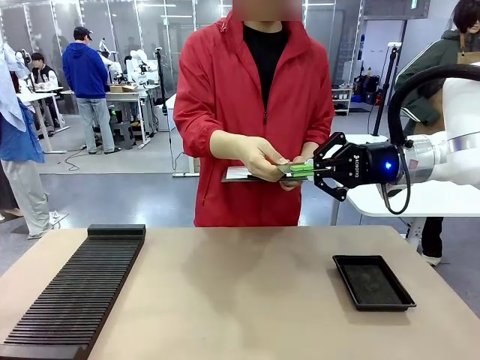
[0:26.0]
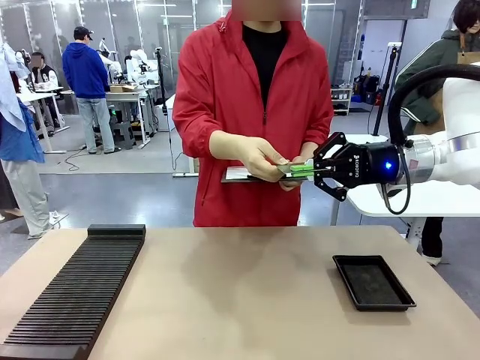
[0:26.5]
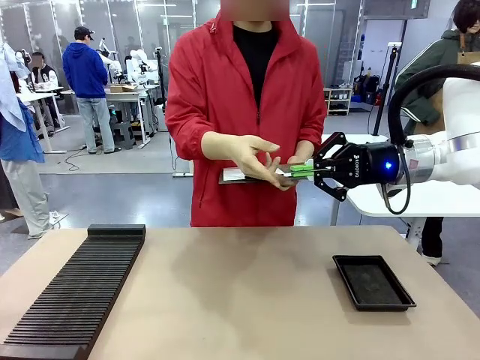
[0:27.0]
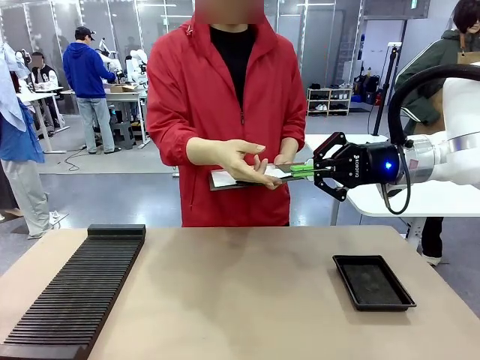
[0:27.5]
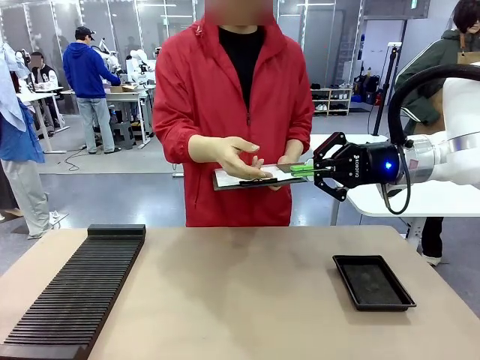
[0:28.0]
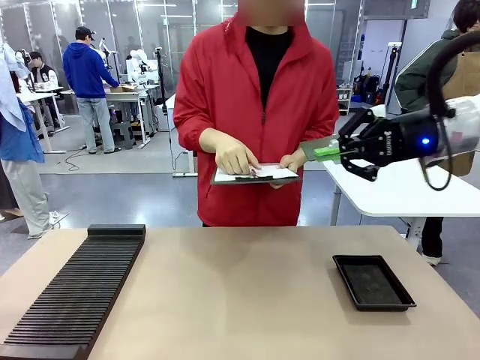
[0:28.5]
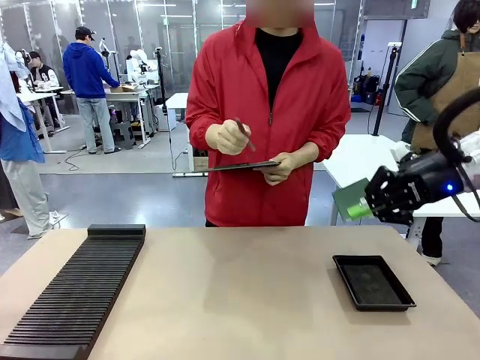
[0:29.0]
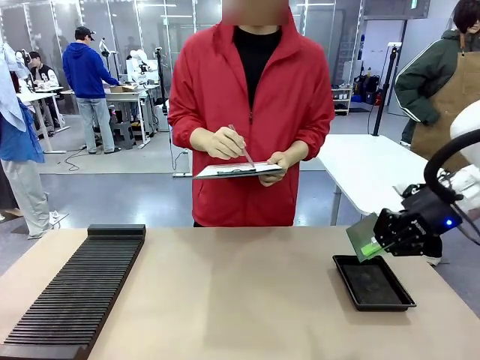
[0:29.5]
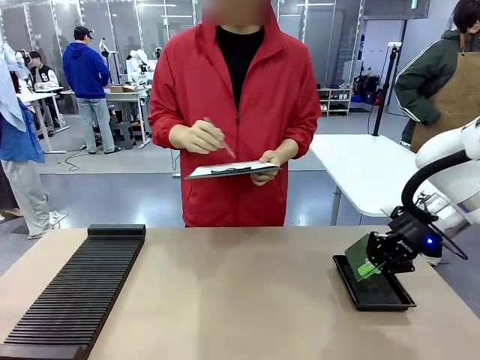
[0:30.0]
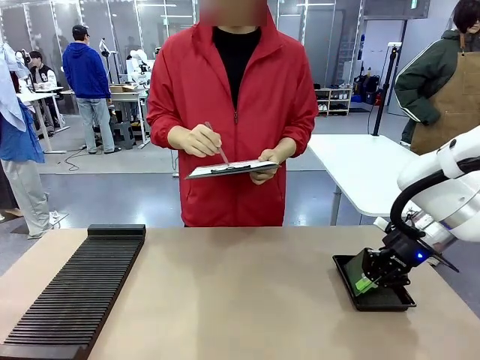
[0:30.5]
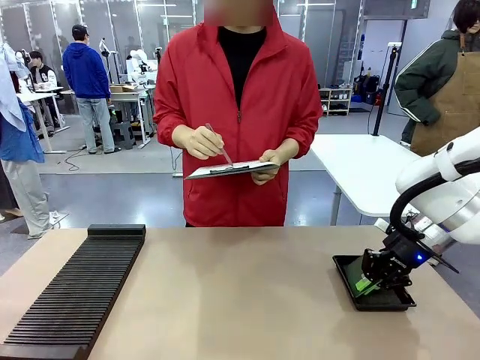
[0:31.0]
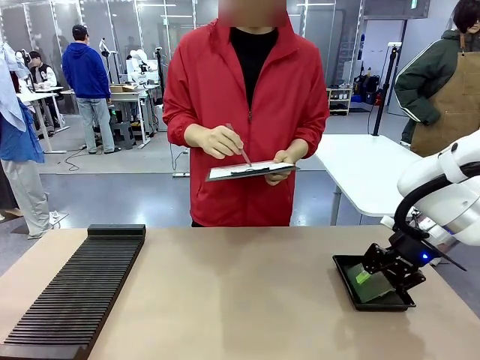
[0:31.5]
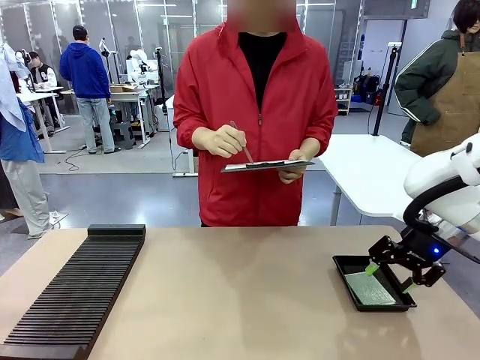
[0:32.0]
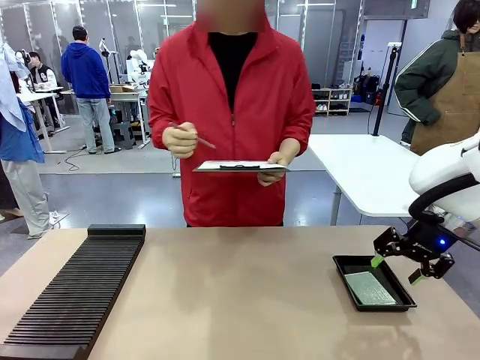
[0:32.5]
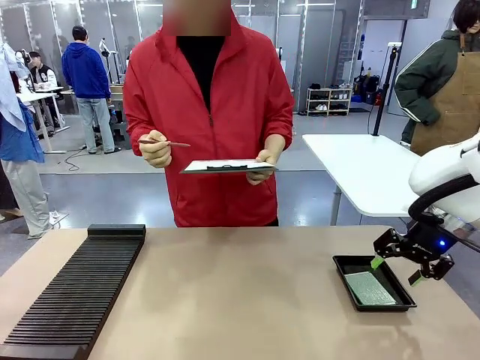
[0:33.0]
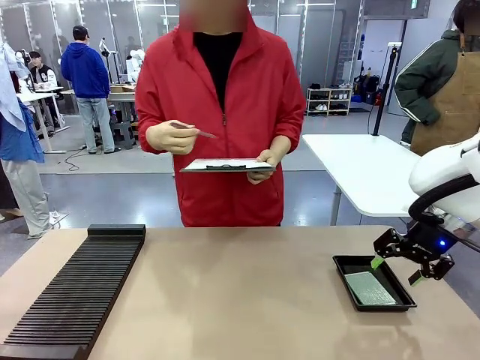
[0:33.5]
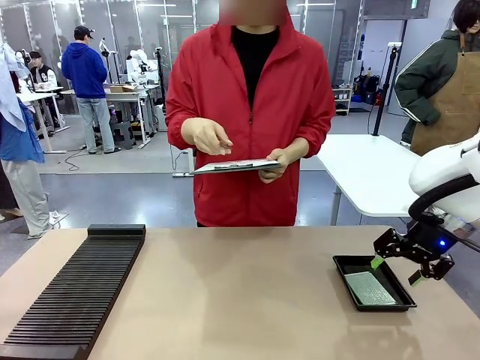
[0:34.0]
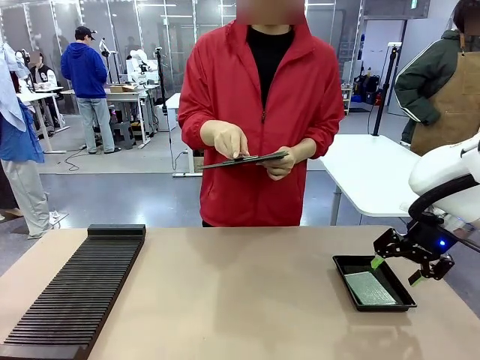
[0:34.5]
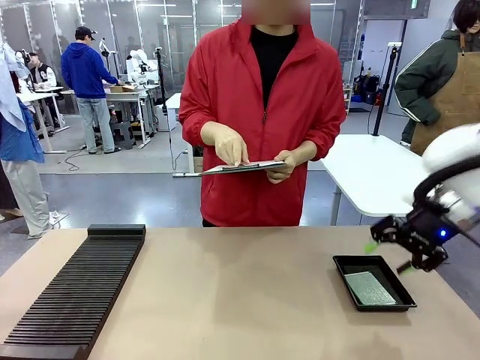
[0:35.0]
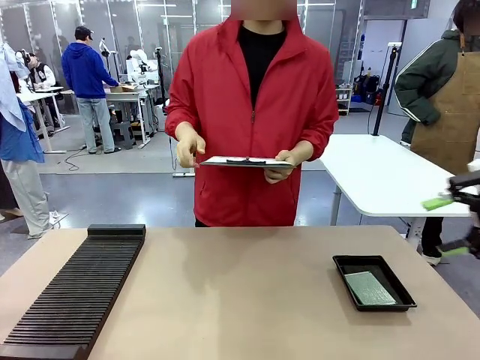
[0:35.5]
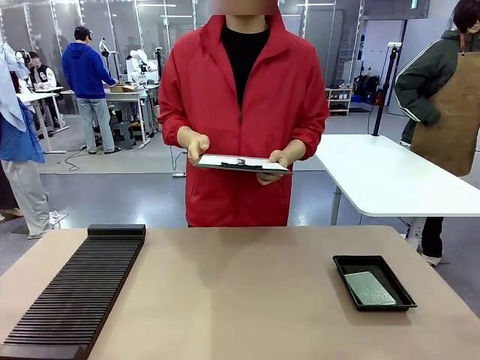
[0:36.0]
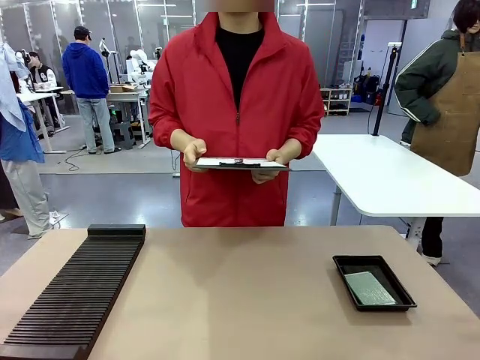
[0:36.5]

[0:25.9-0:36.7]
Task: Inspect the PCB.
Robot: Place the Blank PCB in the ESD tray.
Person: Record the PCB status on the paper.

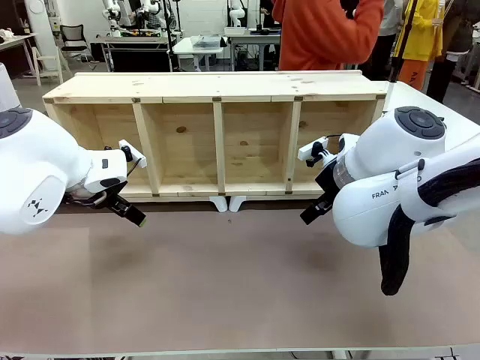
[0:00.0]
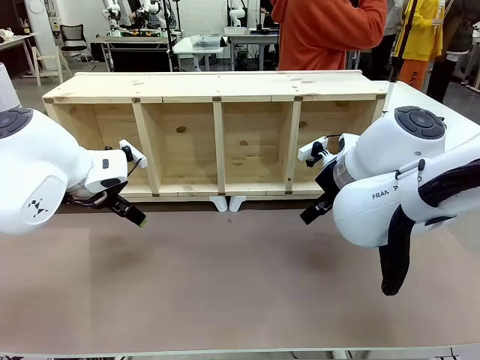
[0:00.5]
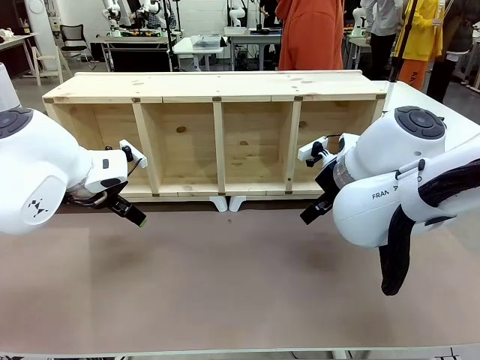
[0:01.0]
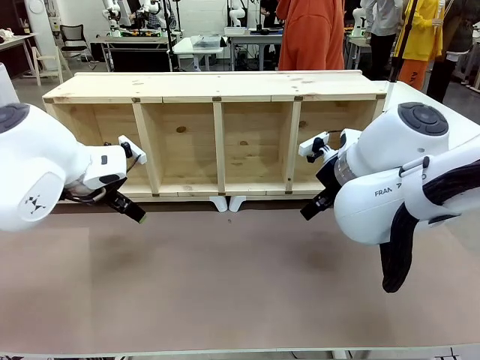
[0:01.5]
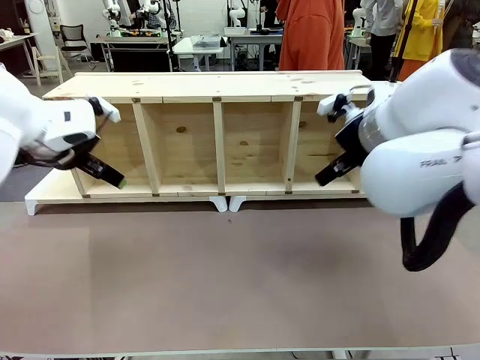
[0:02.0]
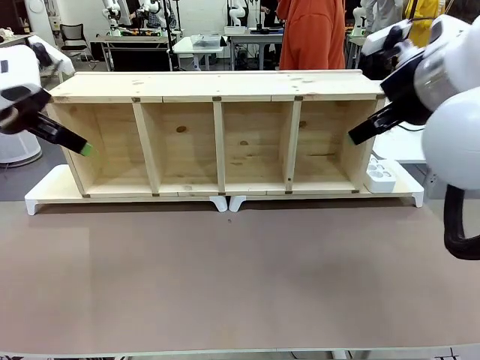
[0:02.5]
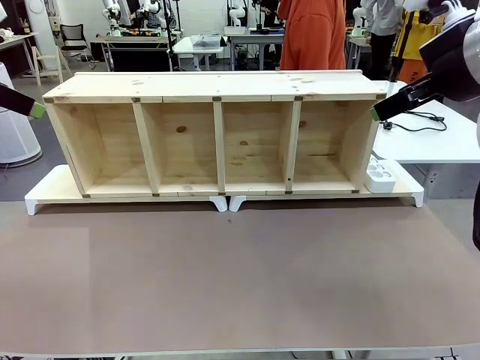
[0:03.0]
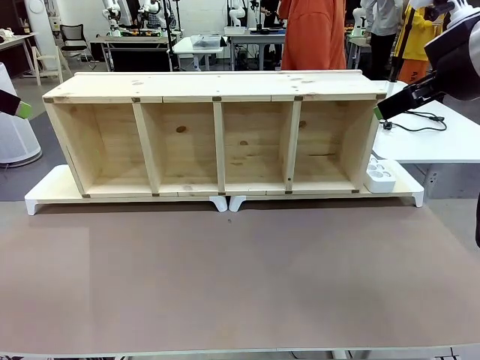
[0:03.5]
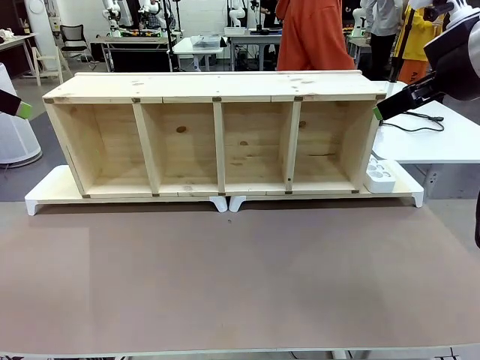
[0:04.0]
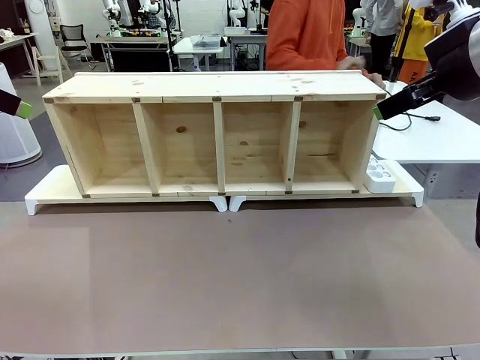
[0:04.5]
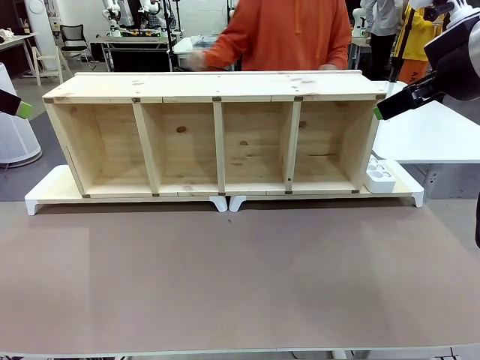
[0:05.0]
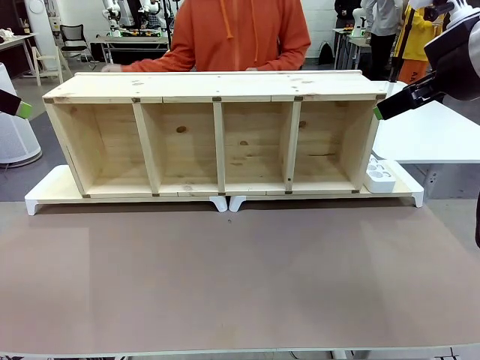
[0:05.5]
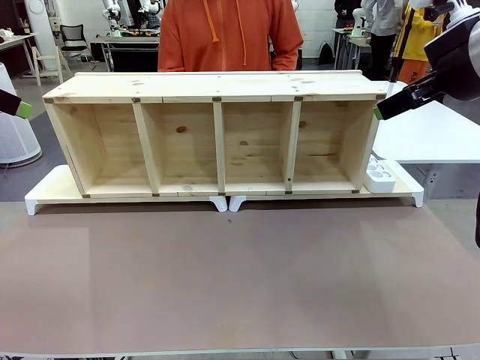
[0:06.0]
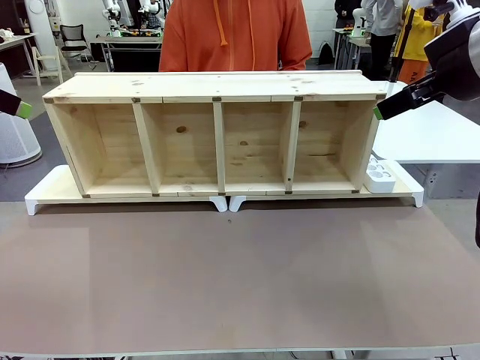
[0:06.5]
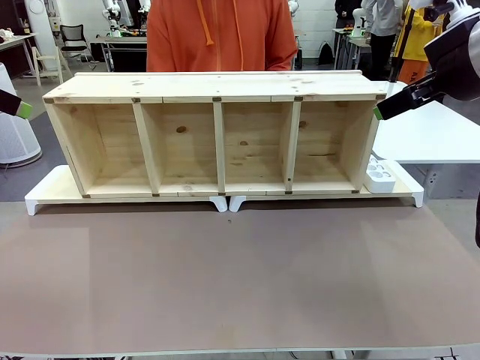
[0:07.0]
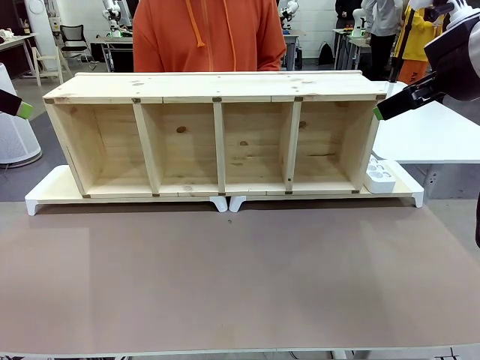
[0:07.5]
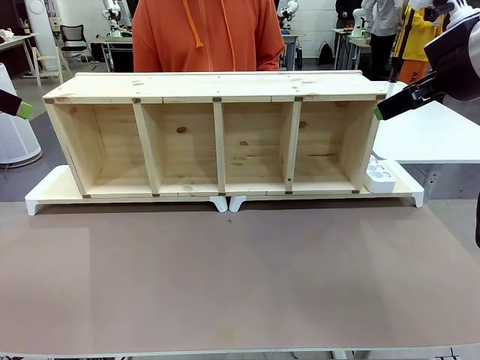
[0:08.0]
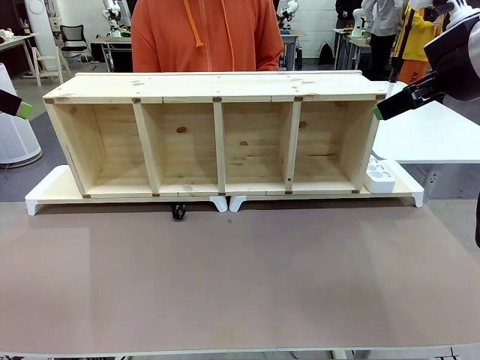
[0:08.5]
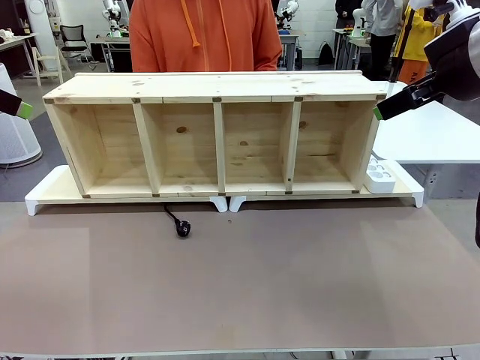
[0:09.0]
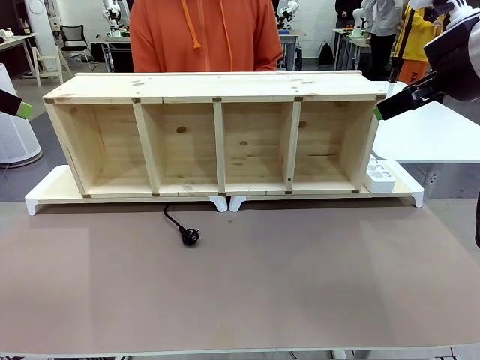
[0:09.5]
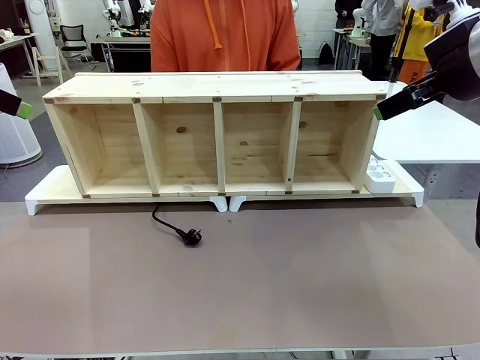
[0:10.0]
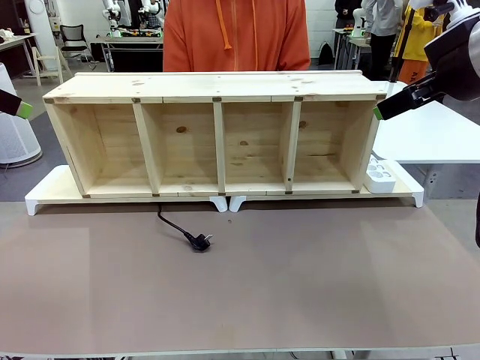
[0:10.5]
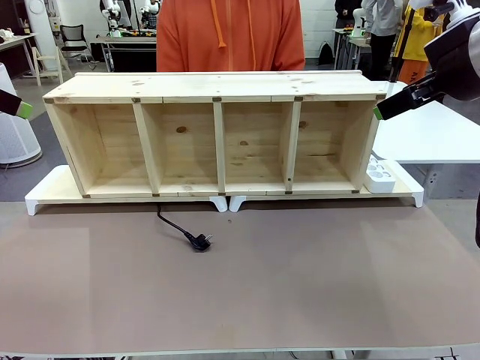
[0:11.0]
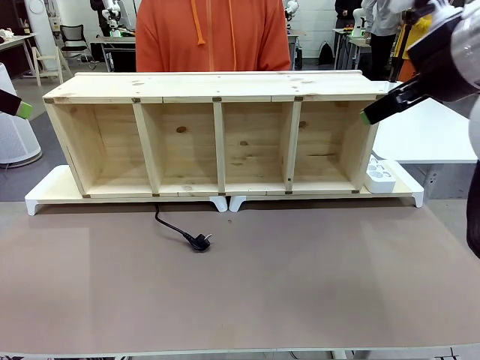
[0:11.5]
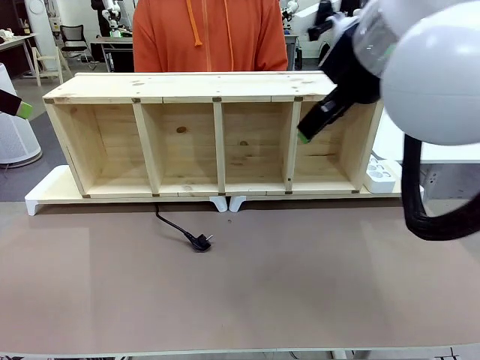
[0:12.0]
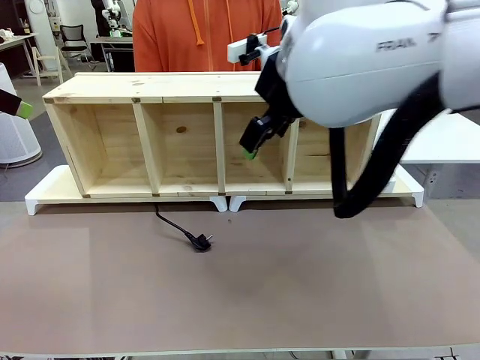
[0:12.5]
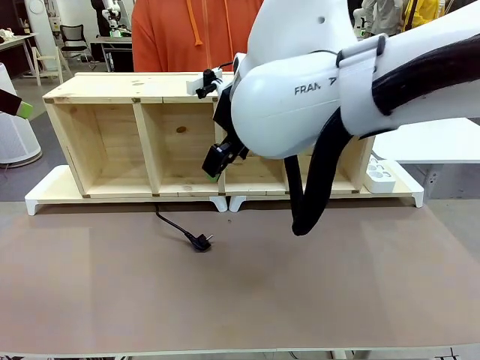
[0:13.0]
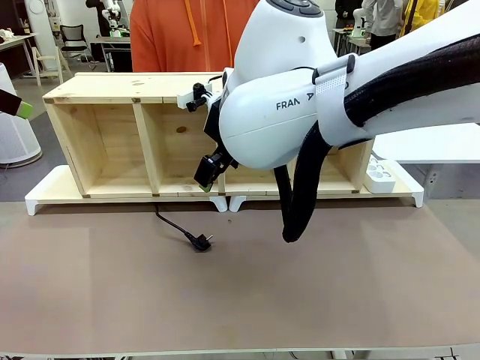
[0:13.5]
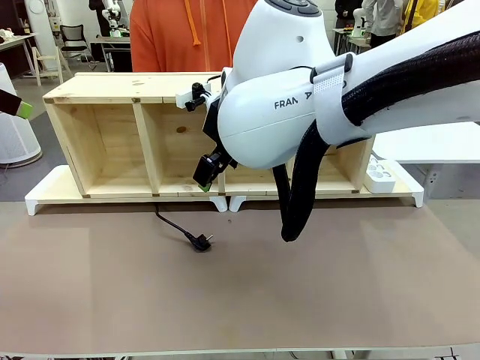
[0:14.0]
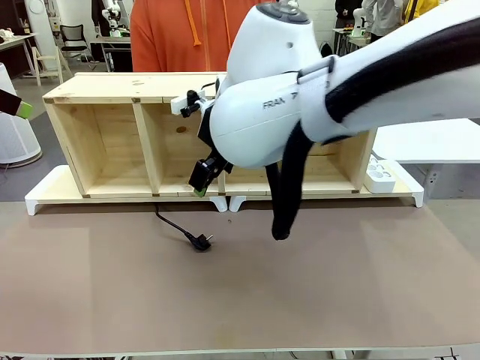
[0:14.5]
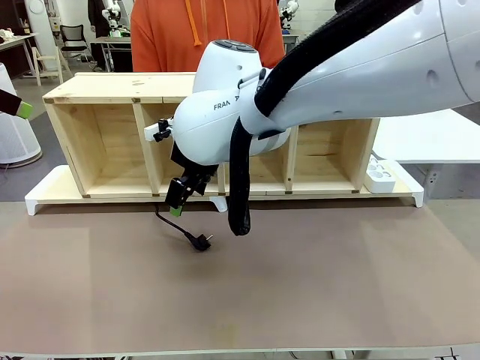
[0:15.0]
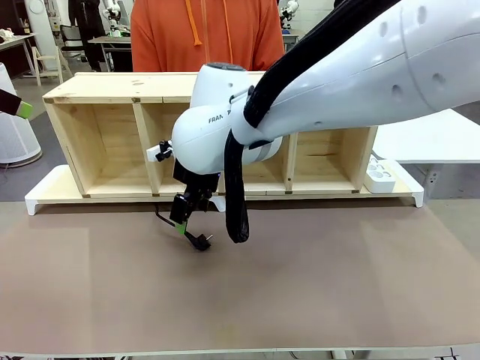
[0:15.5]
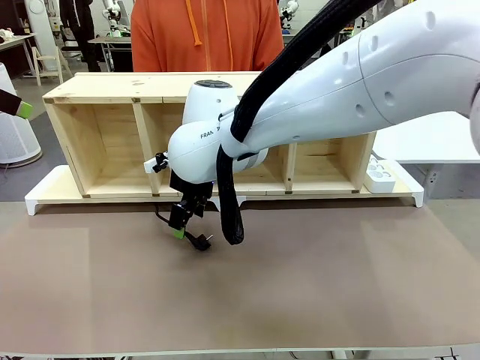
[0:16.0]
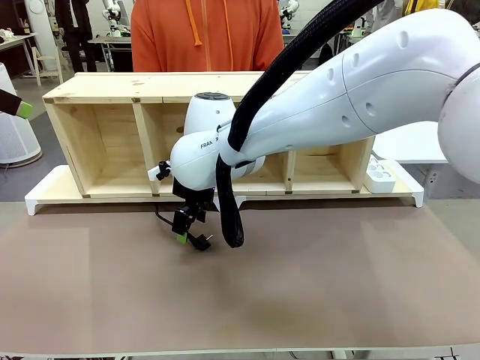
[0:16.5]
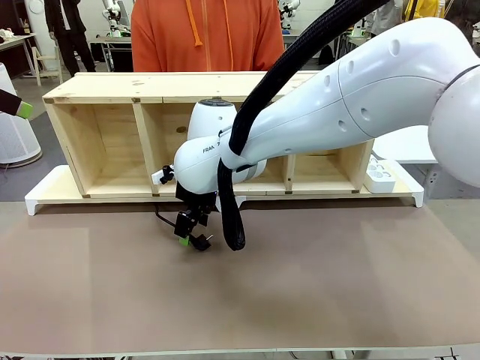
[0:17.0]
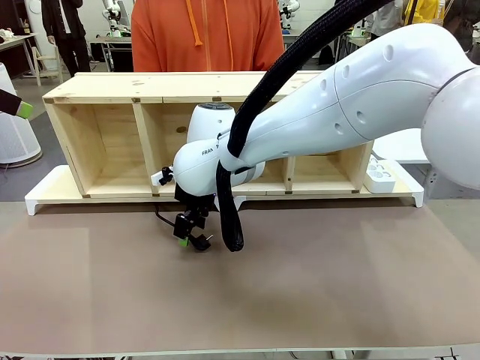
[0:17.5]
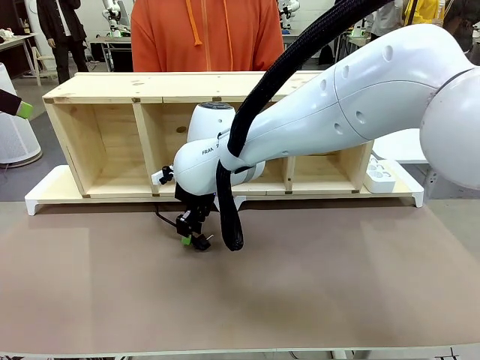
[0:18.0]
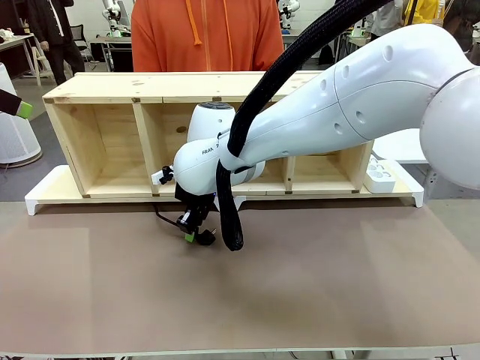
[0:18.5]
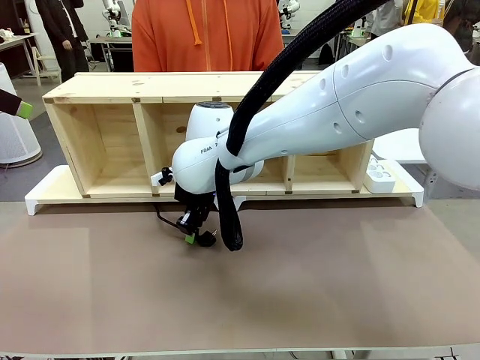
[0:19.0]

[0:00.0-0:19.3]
Task: Perform cable management.
Robot: When the cord part of the Power Cable appears at the lower middle area of the table and stops, grasp the cord part of the Power Cable.
Person: Pass the Power Cable under the Serving Table.
